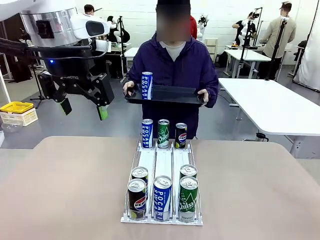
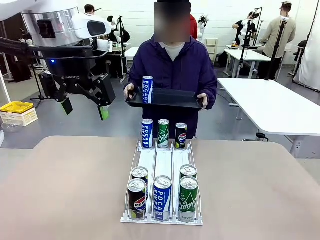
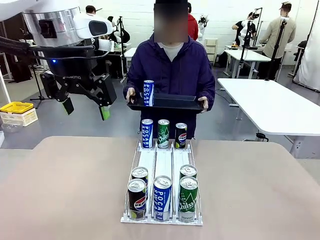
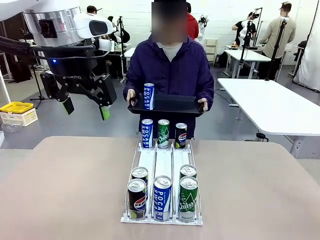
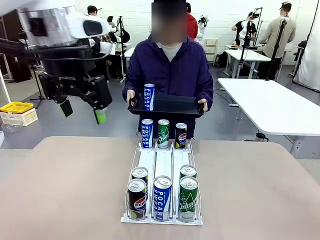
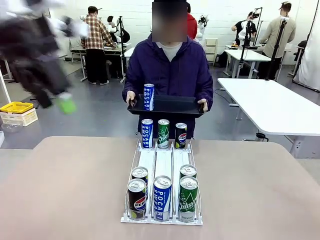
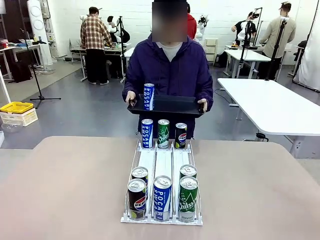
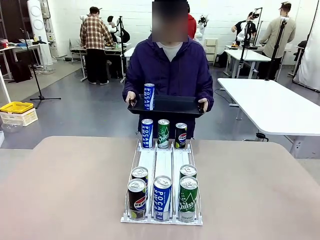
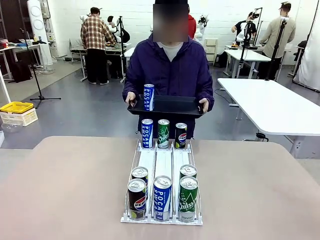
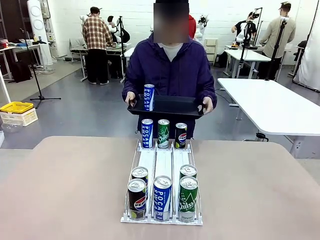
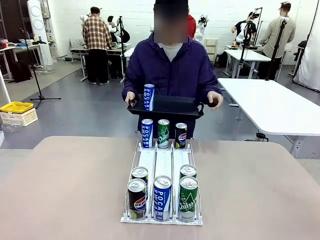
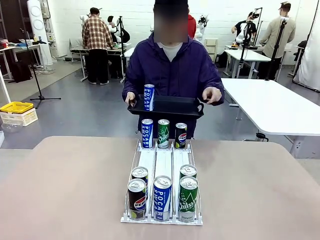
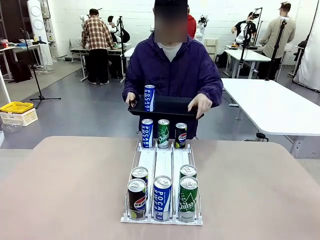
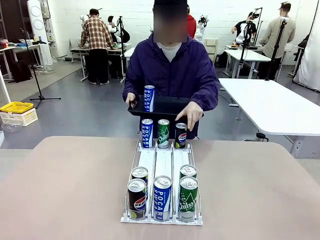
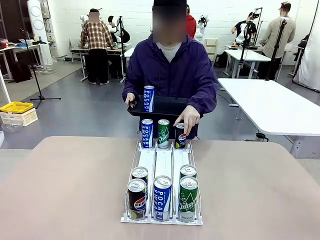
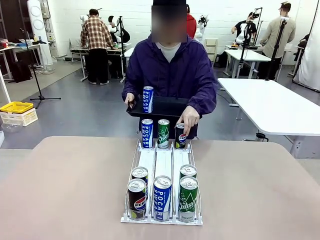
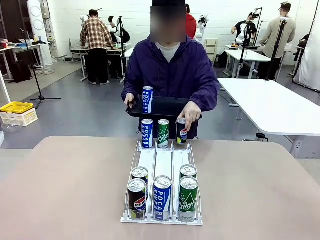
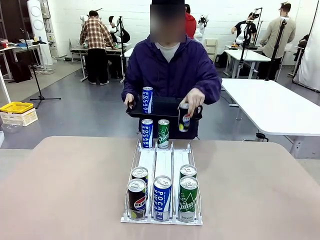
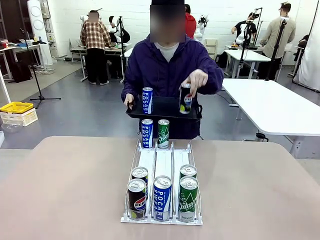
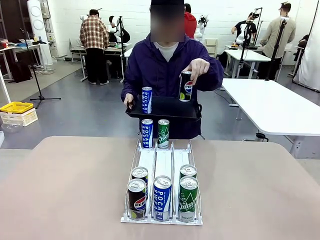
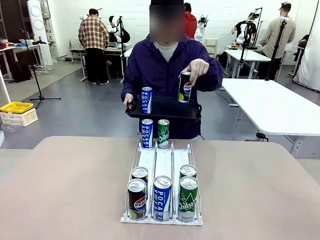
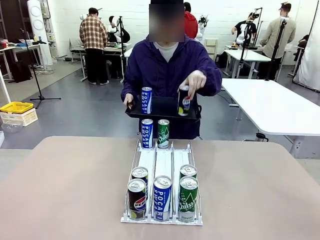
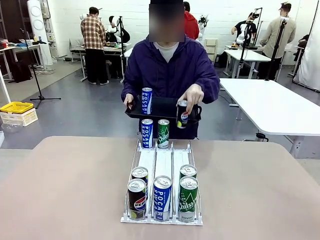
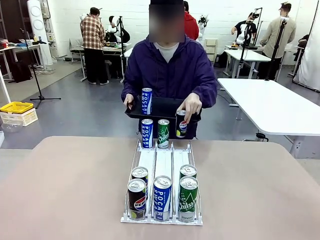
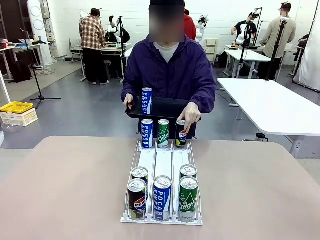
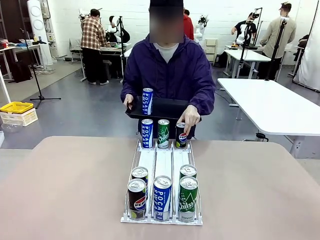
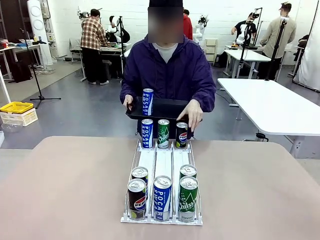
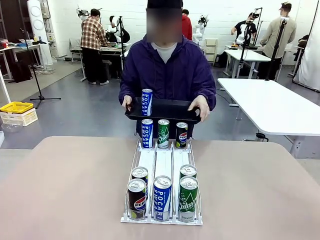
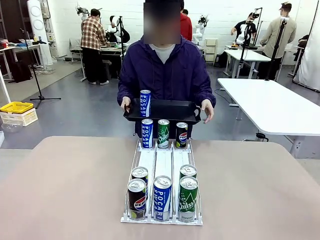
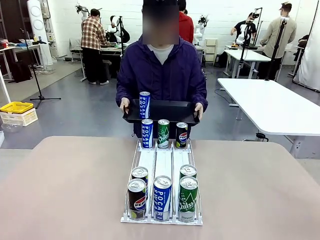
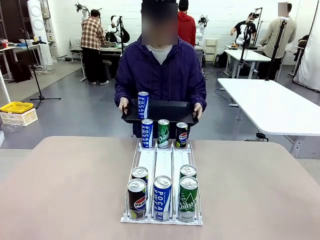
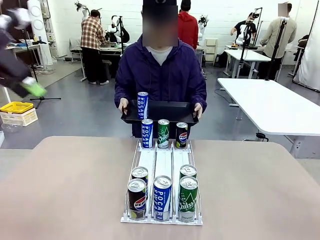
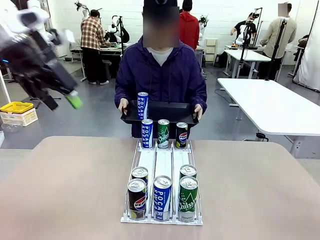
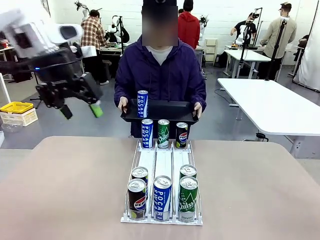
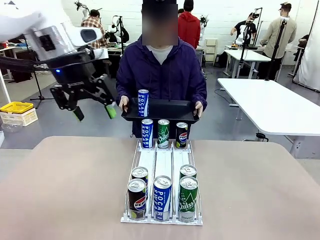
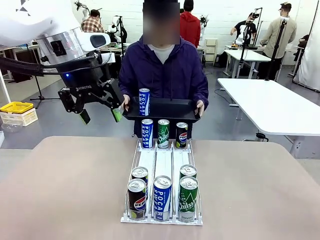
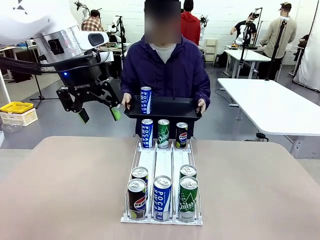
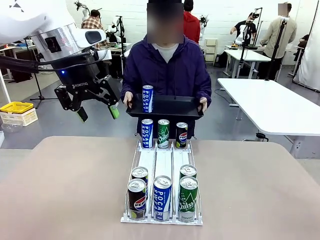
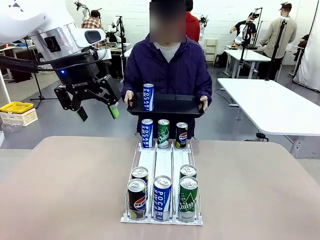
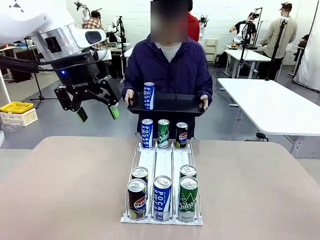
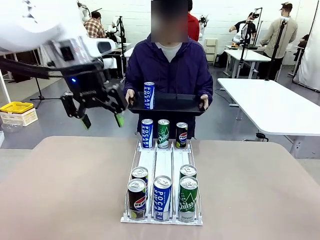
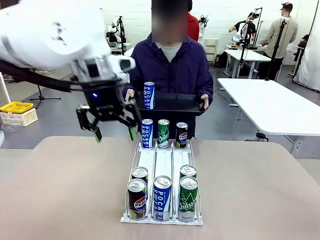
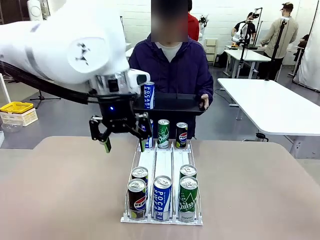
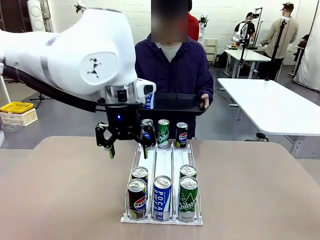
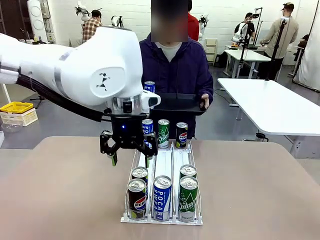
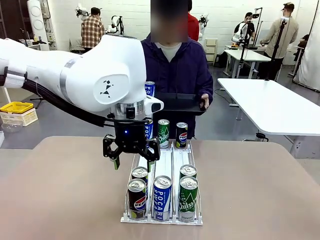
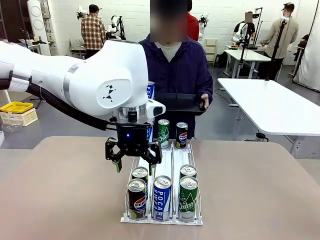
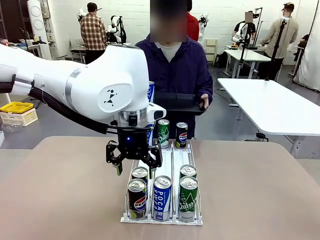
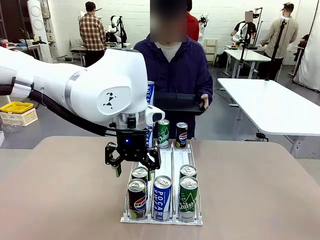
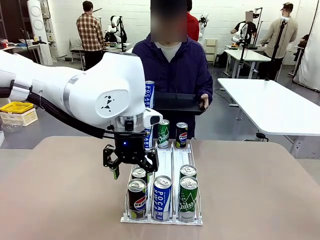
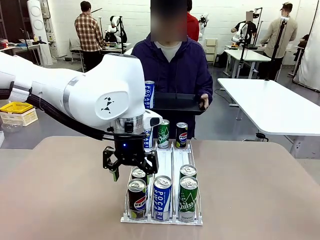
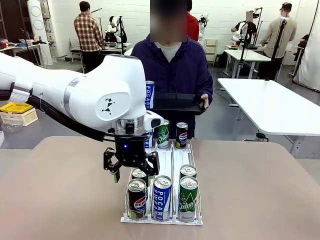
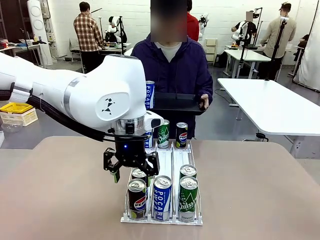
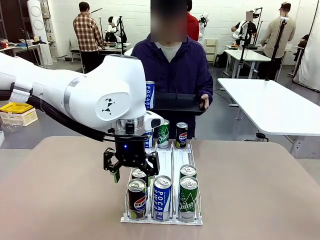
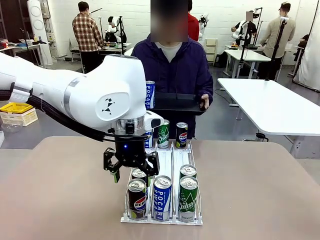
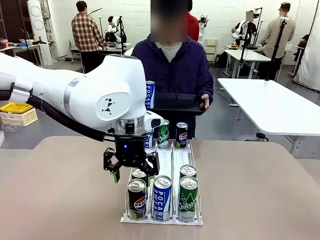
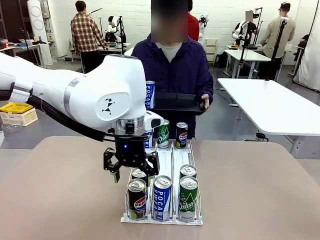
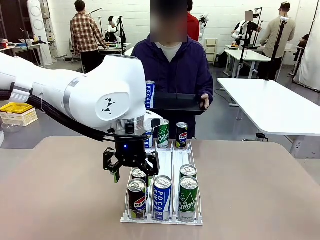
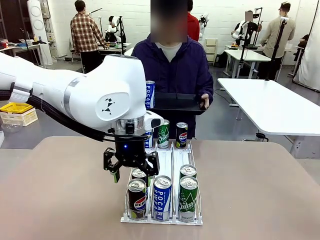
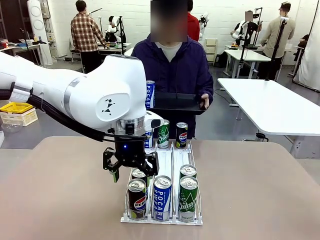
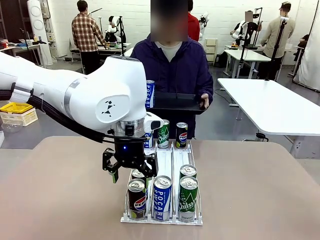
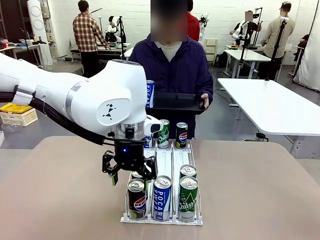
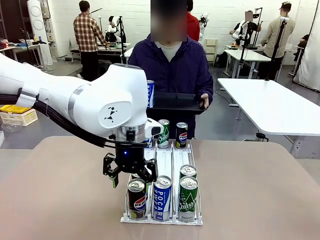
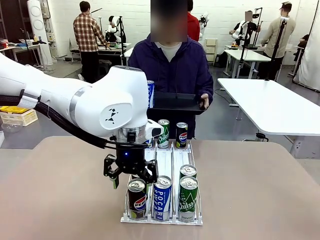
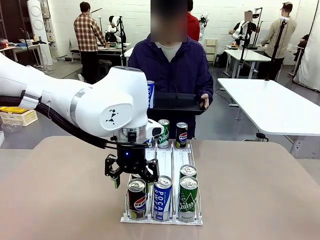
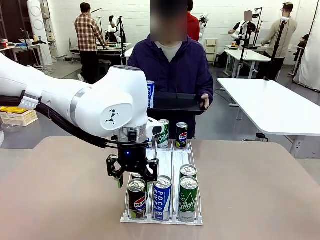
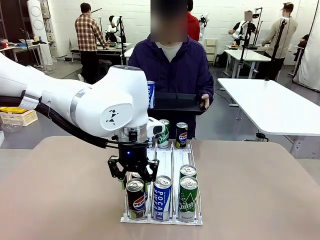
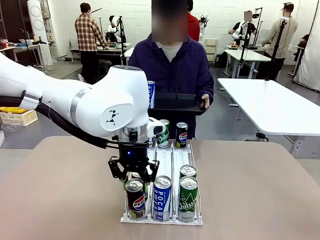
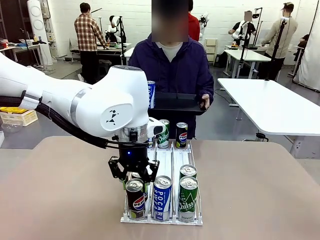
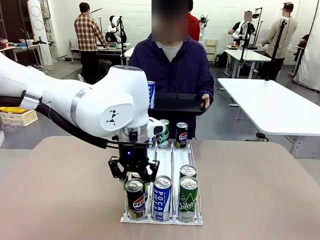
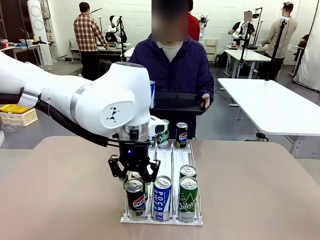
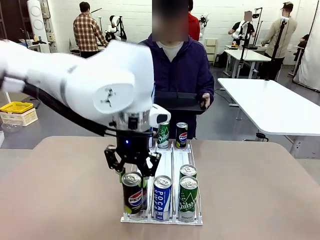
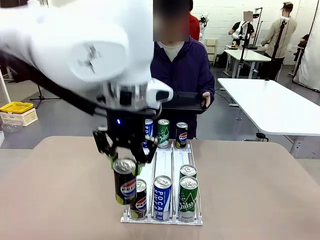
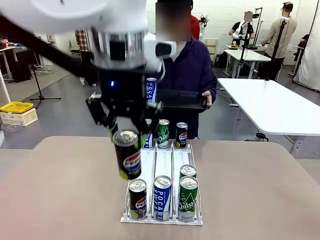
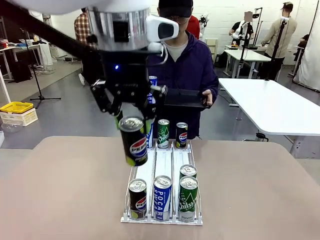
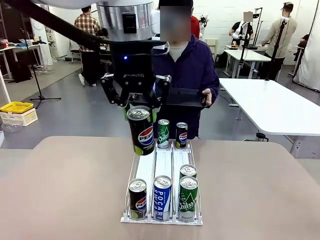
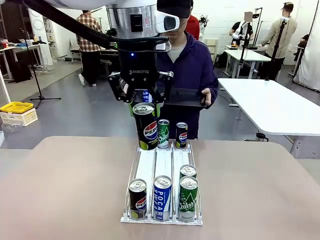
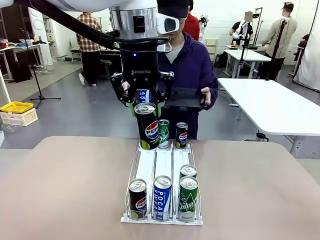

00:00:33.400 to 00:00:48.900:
Task: Retrieve and hand over the desired beverage to the person.
Robot: Pick up another can of the same type that the person held from the Automatic Can Dispenser.
Person: Pull the tray back, then pick up another can from the bottom area of the table and puts it back in its original place. Push the tray toward the robot again.
